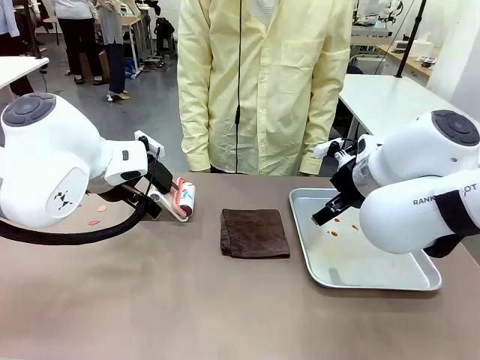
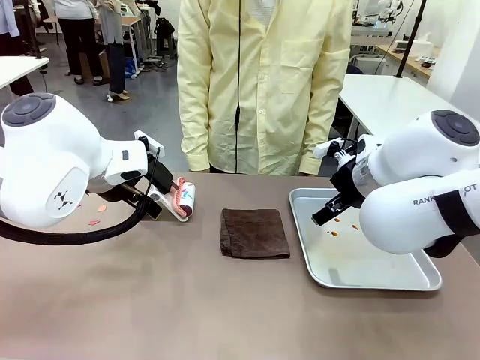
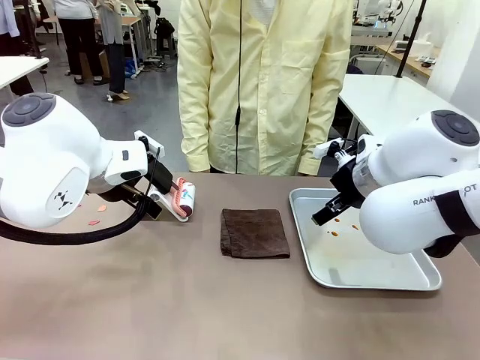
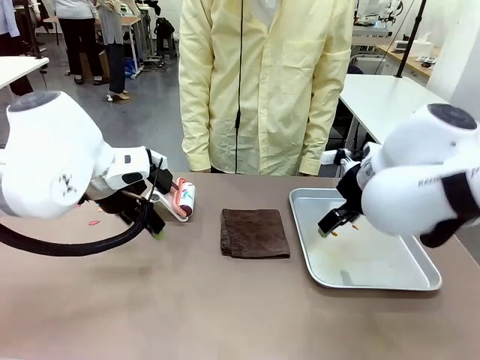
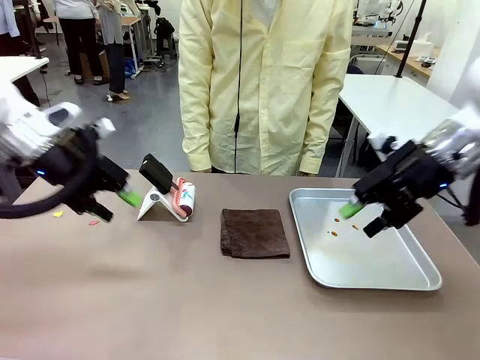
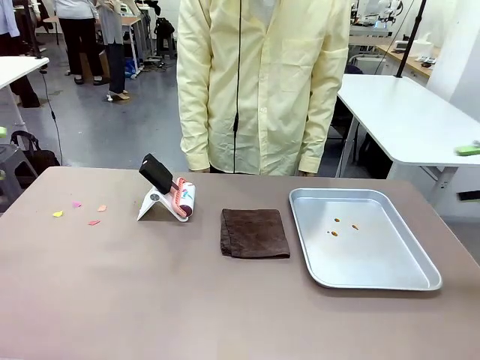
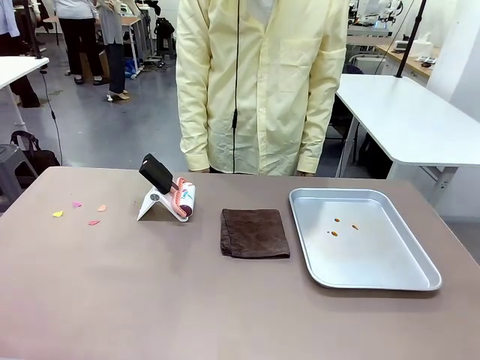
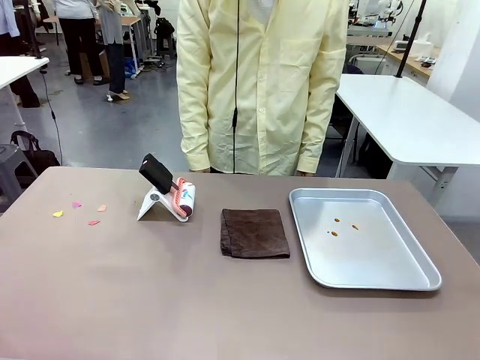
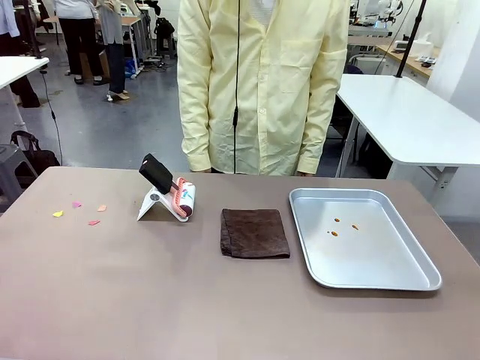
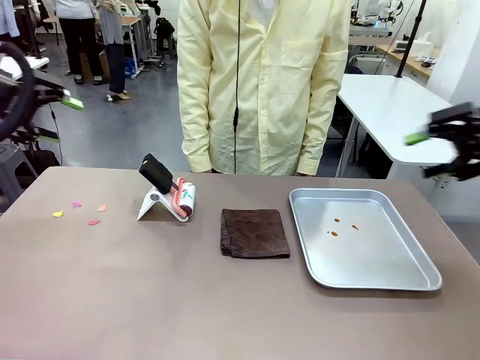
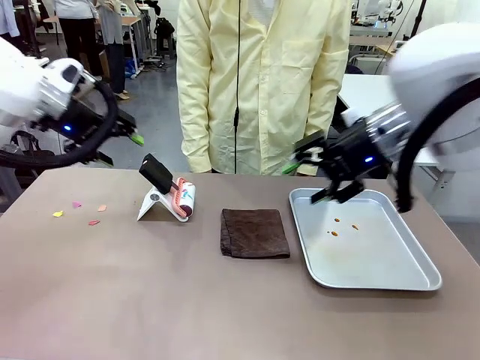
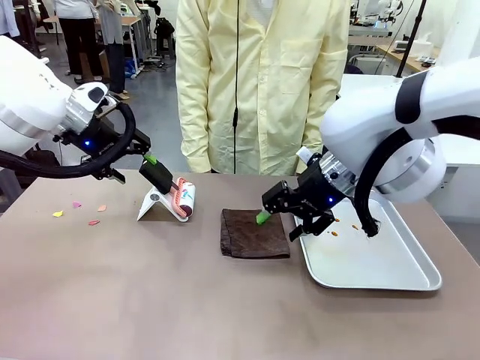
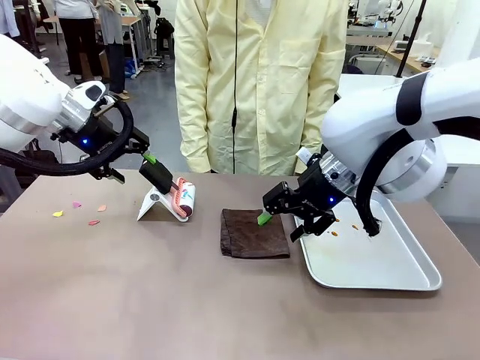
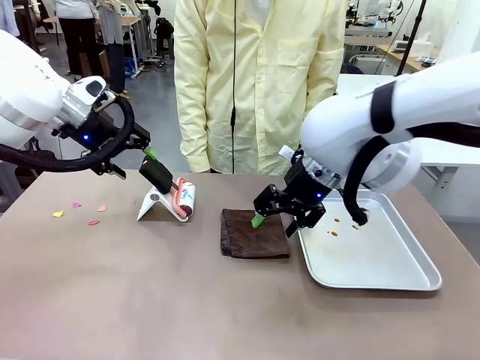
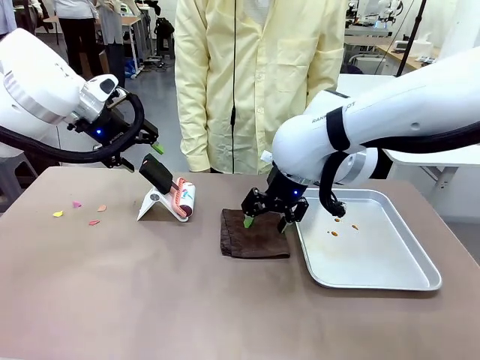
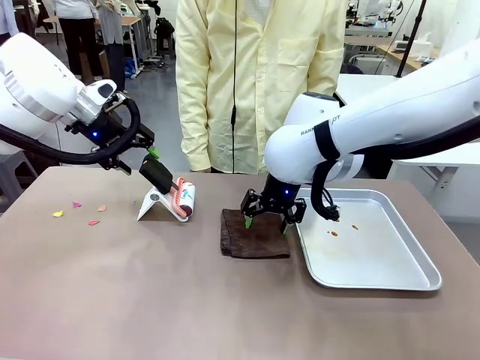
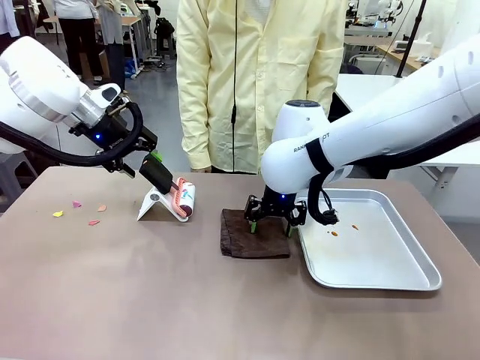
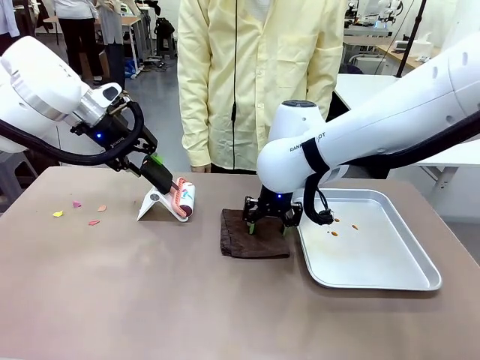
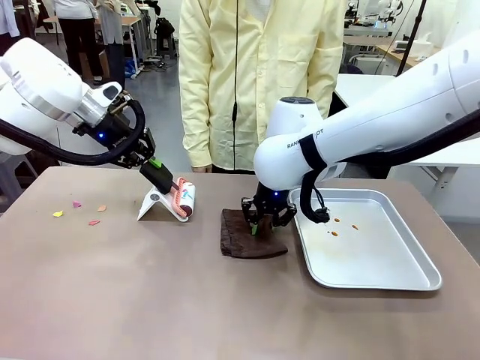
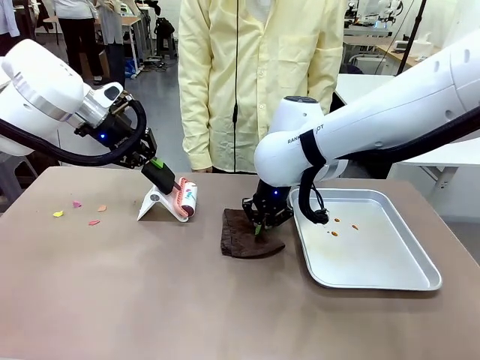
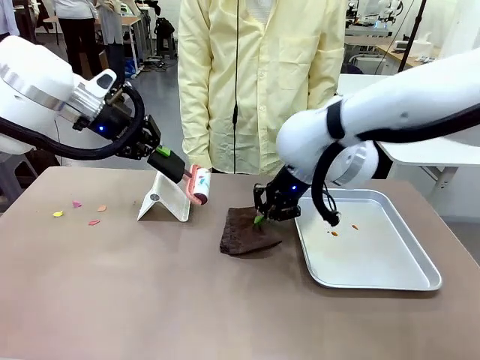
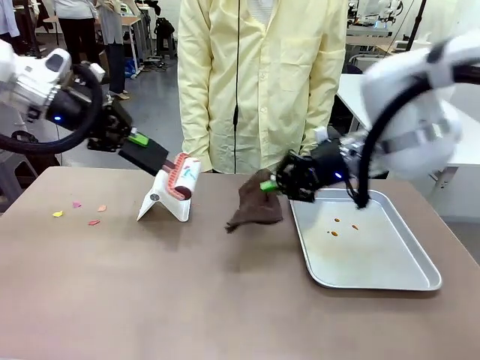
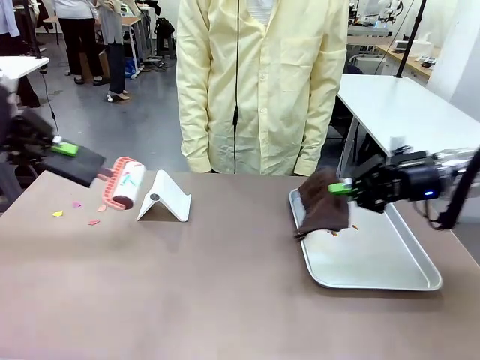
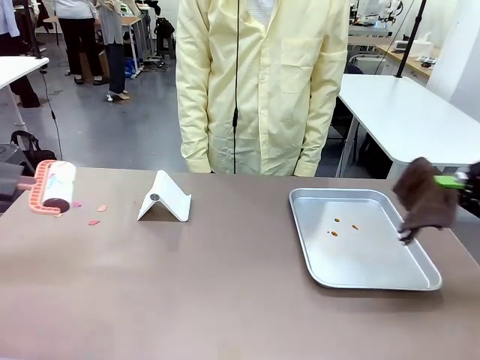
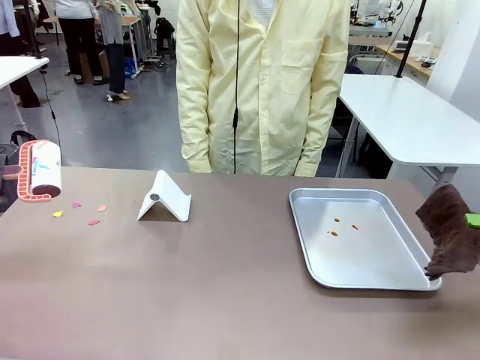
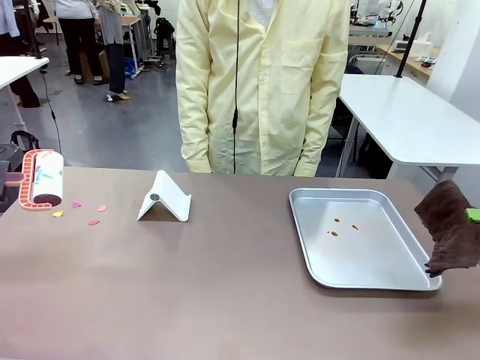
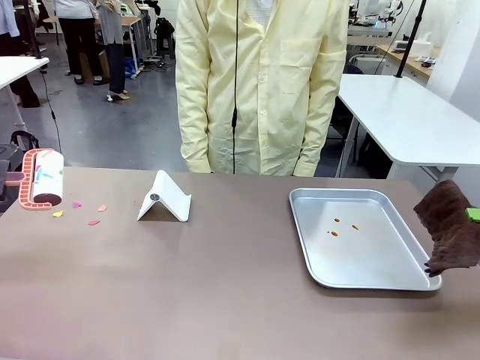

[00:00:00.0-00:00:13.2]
Task: Clean the surface of the table.
Robot: Hold the Lint Roller with your left hand and the towel with your right hand.

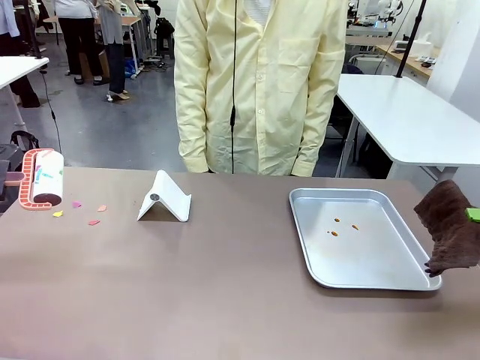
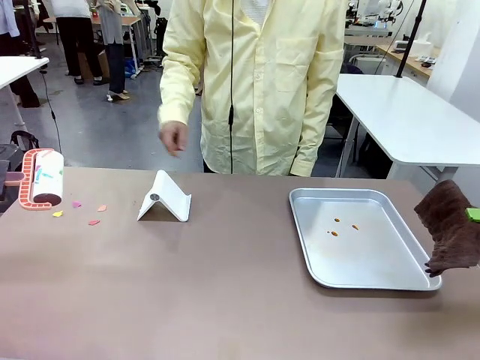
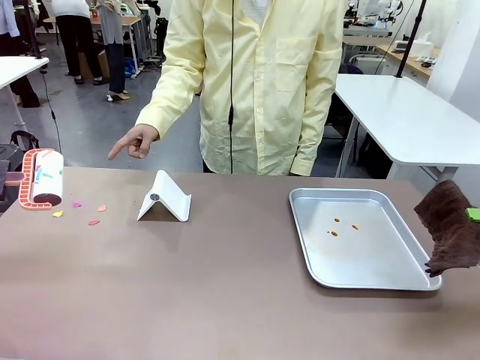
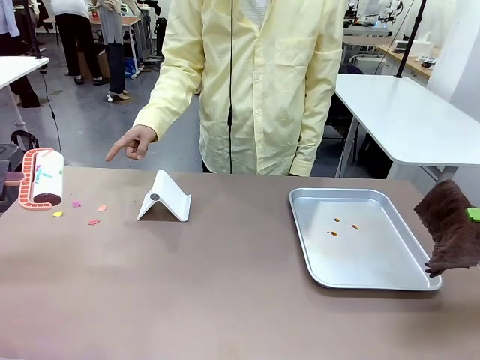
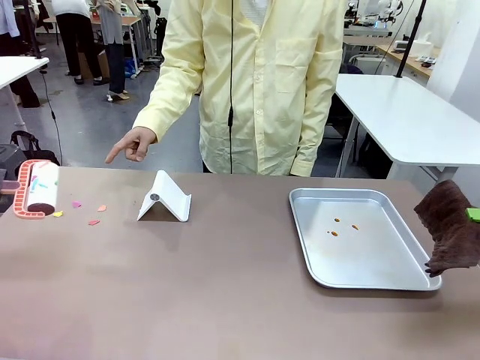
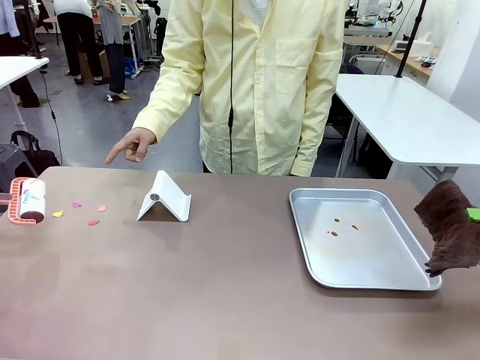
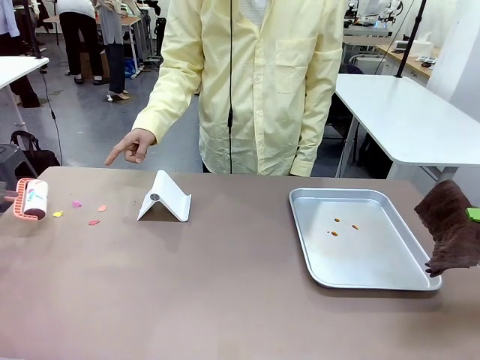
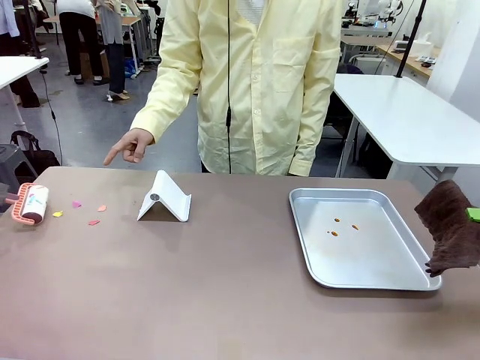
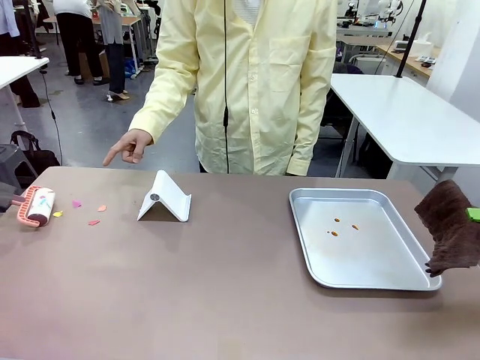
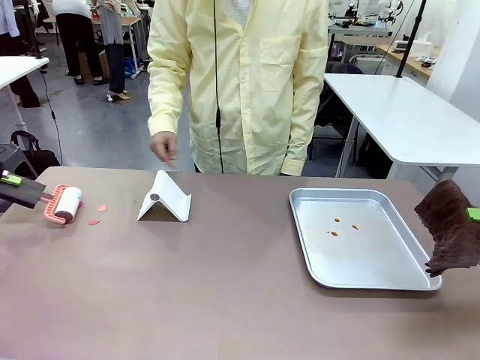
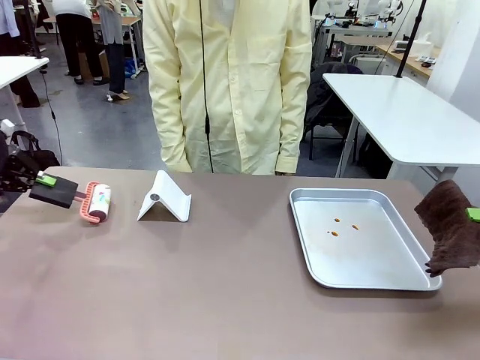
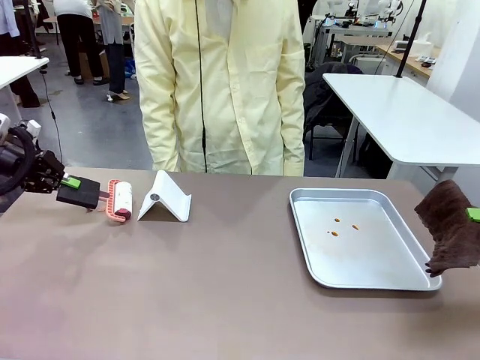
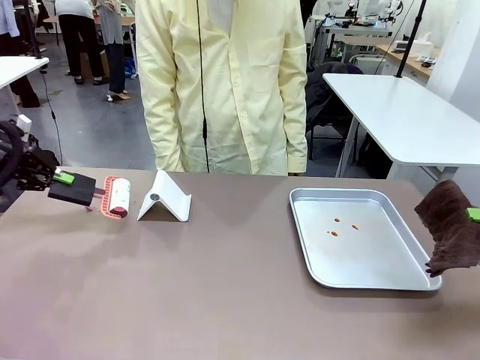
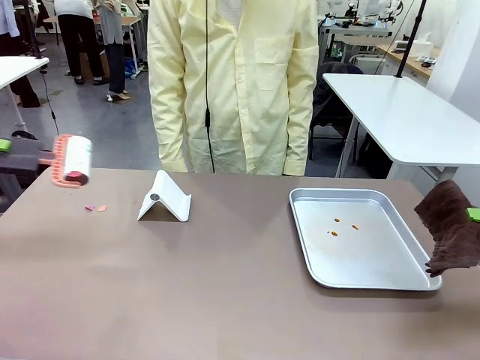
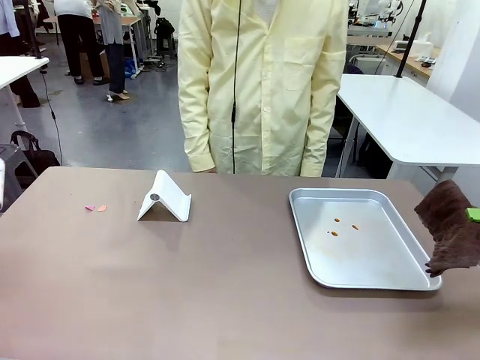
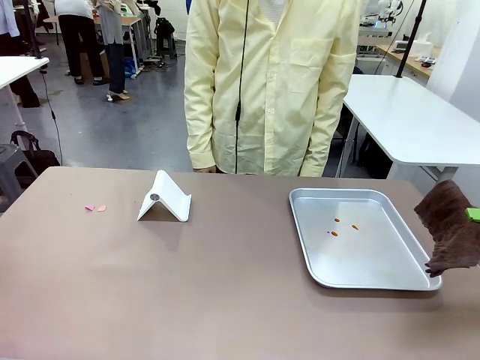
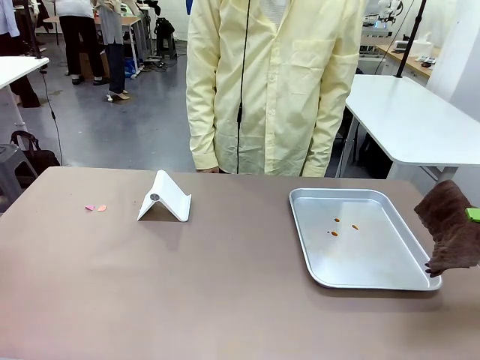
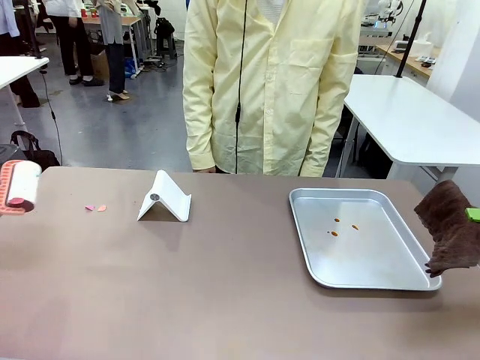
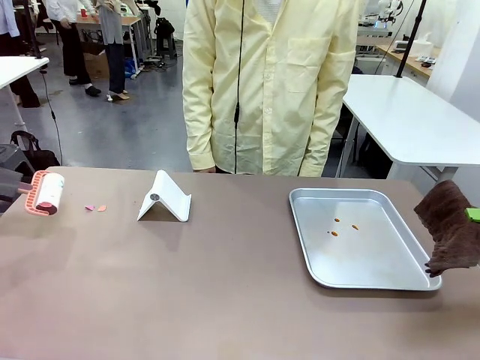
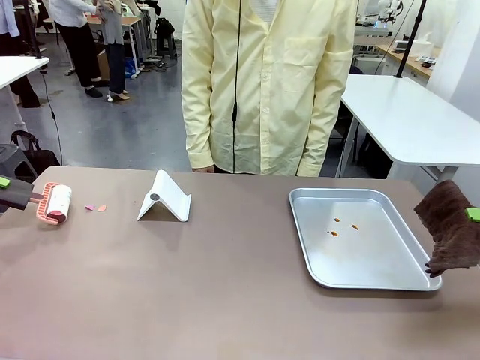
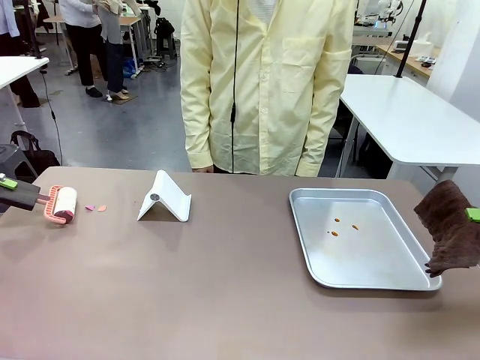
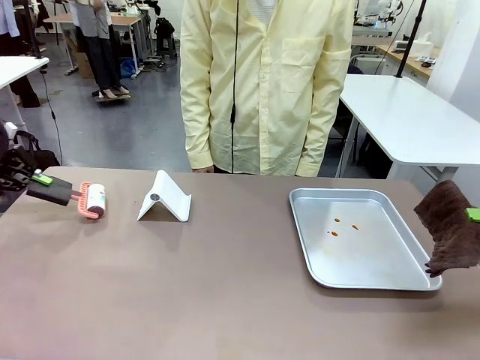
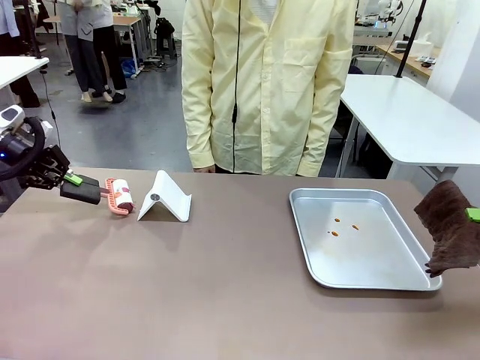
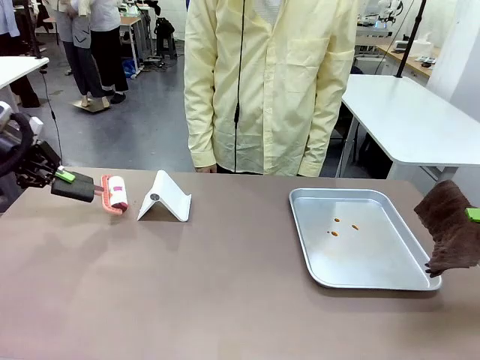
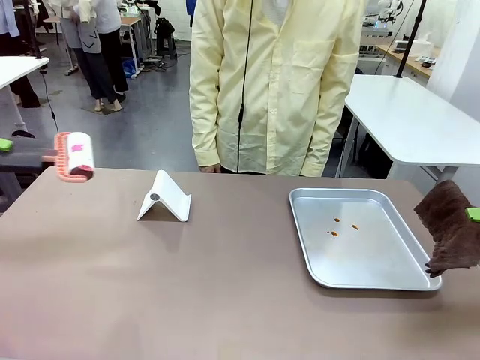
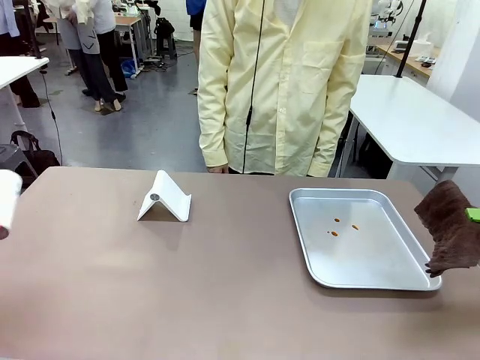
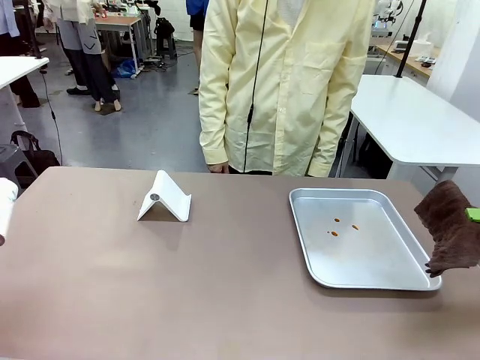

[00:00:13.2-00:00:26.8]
Robot: If a person points to the right, clean the right side of the table with your right hand, and if they point to the left, clean the left side with your left hand.
